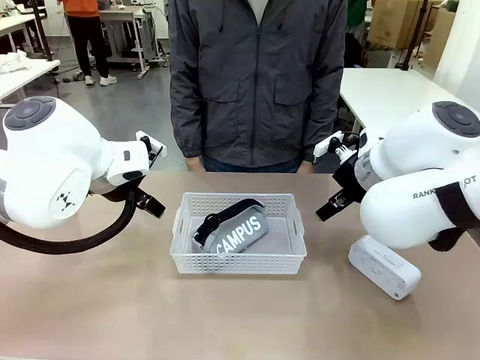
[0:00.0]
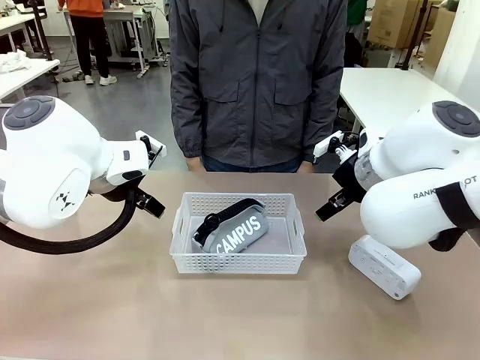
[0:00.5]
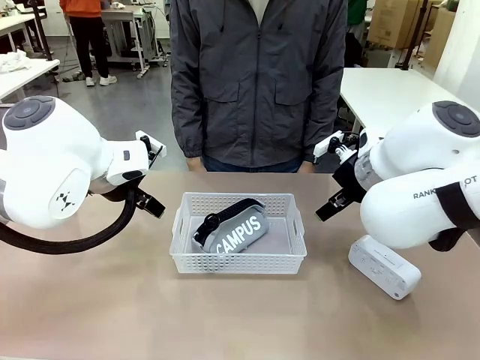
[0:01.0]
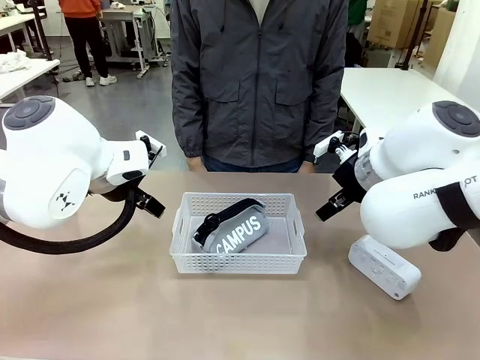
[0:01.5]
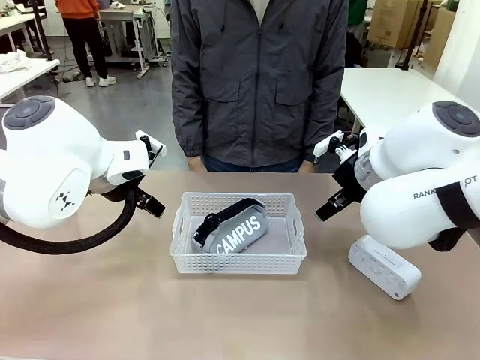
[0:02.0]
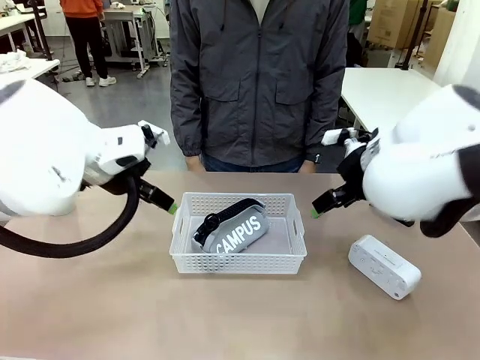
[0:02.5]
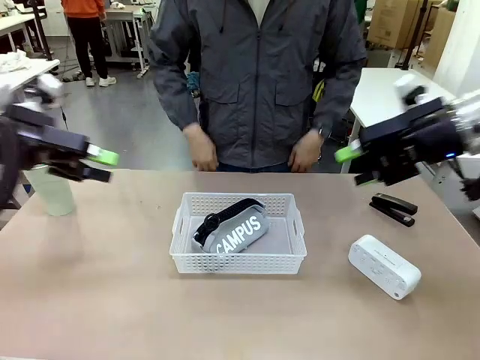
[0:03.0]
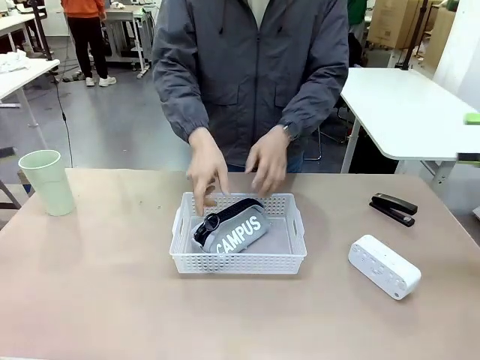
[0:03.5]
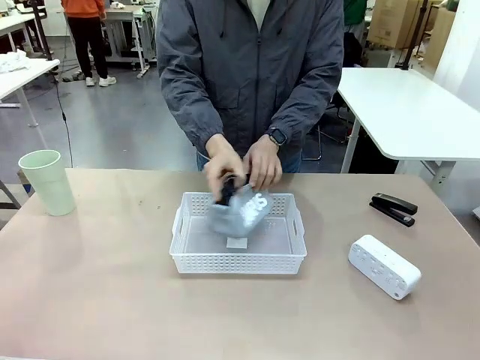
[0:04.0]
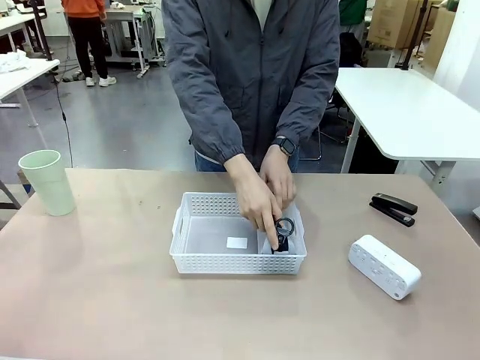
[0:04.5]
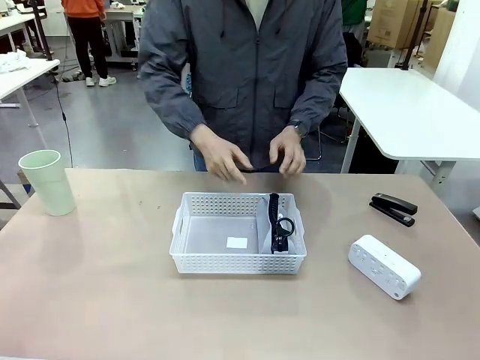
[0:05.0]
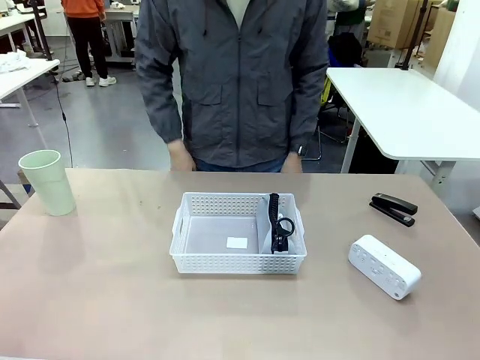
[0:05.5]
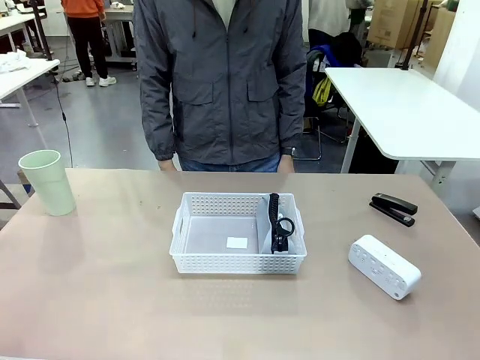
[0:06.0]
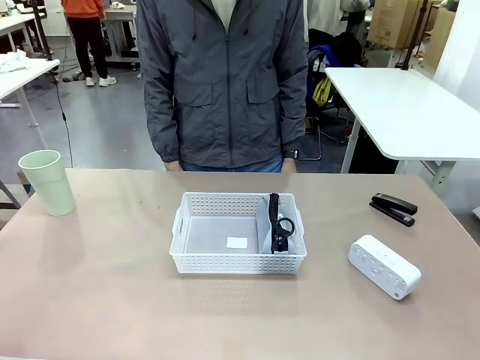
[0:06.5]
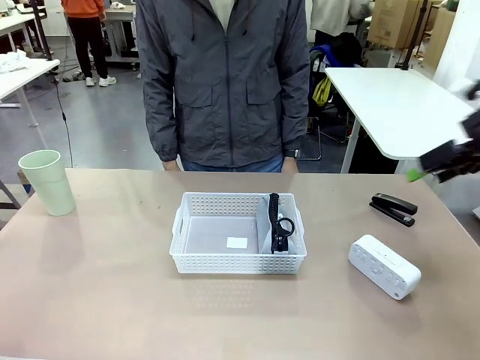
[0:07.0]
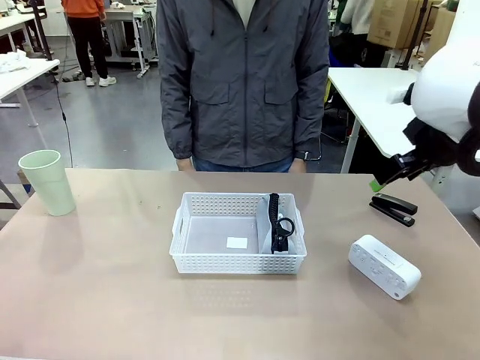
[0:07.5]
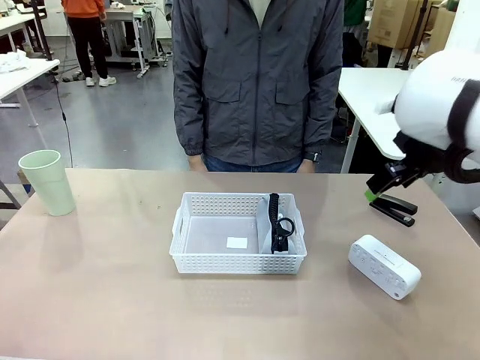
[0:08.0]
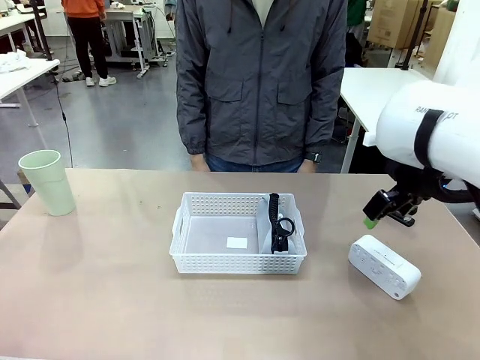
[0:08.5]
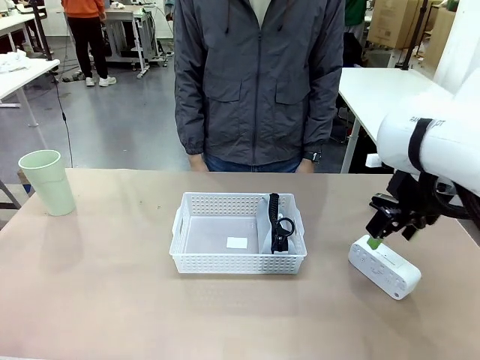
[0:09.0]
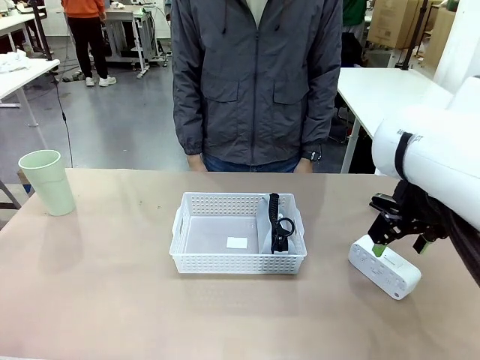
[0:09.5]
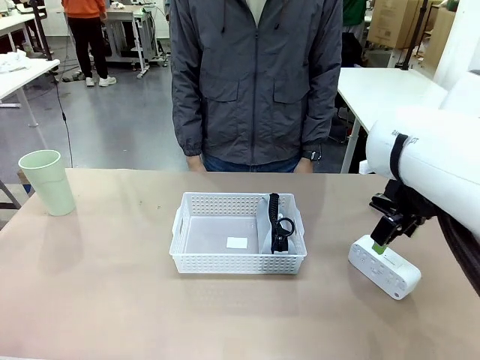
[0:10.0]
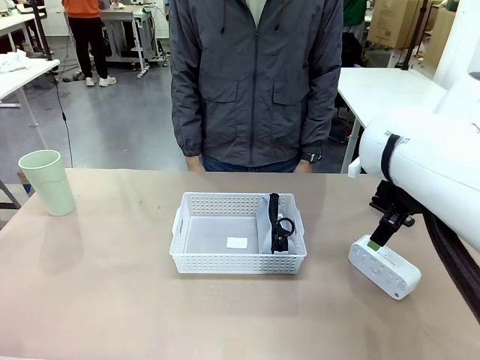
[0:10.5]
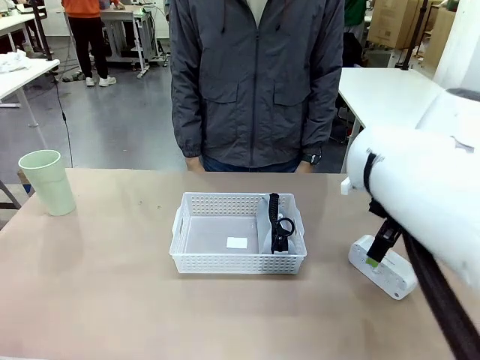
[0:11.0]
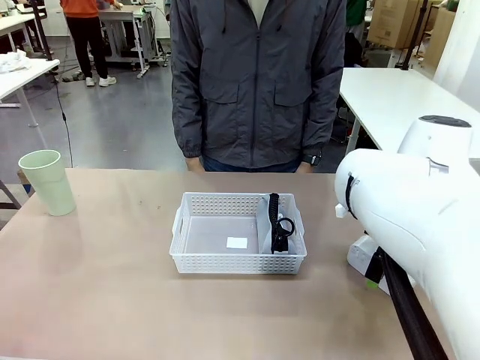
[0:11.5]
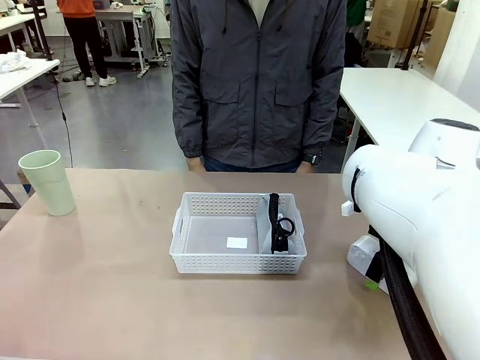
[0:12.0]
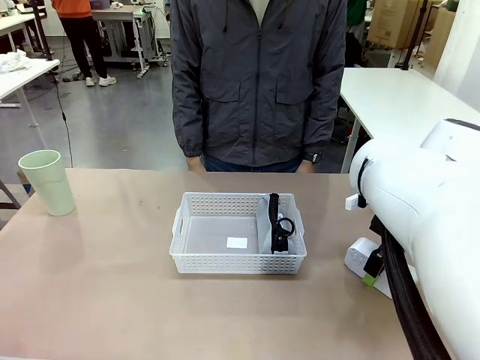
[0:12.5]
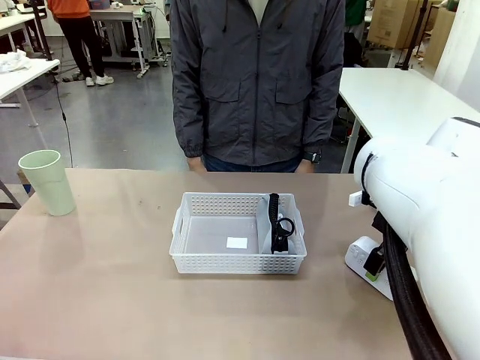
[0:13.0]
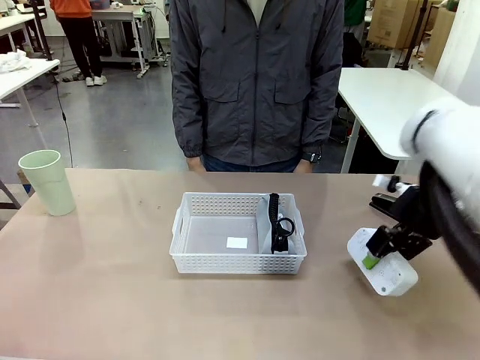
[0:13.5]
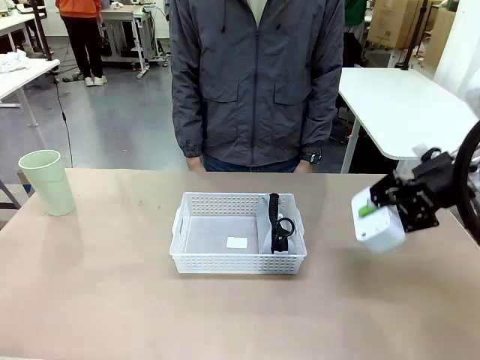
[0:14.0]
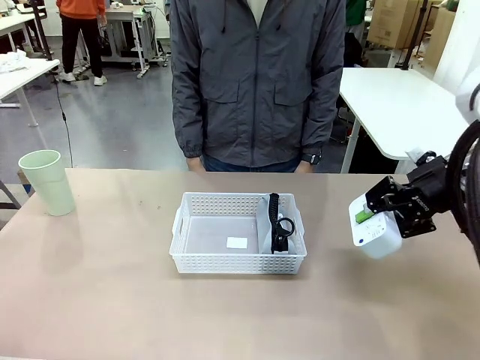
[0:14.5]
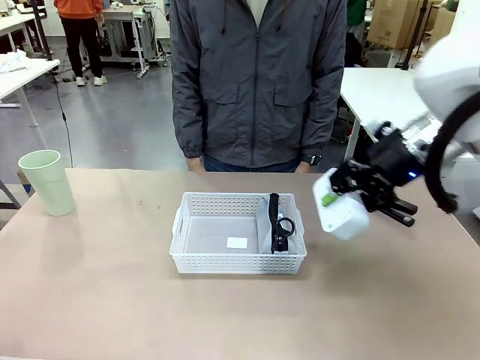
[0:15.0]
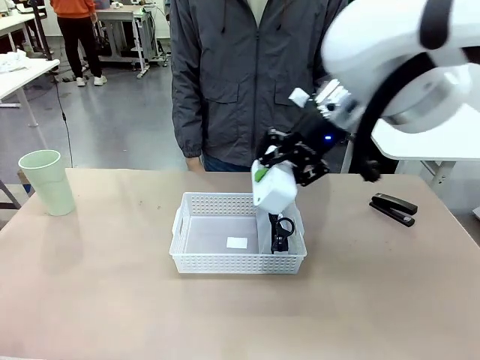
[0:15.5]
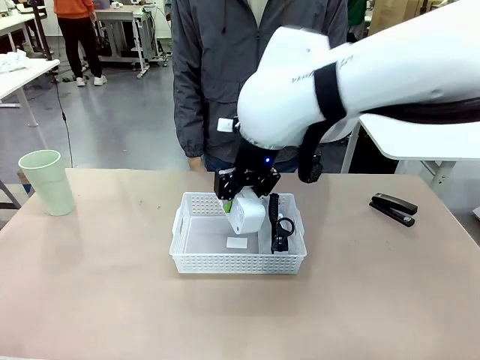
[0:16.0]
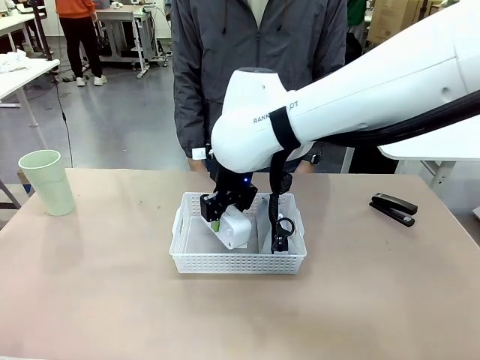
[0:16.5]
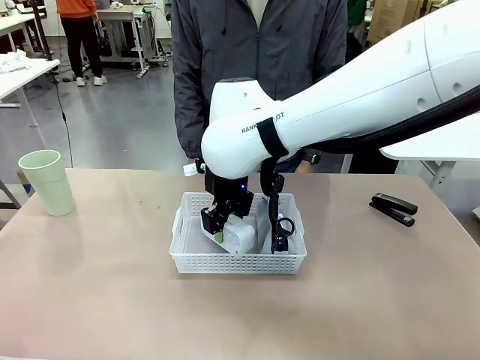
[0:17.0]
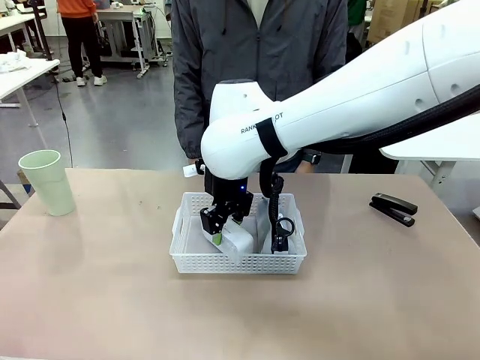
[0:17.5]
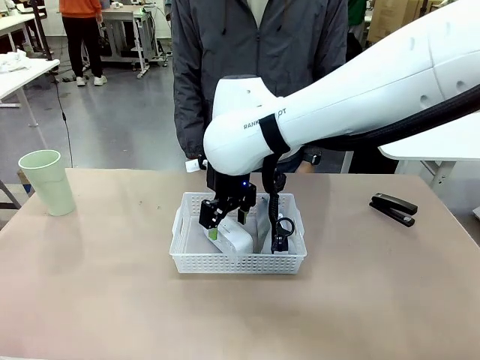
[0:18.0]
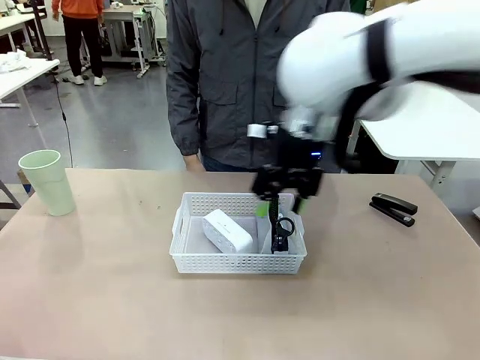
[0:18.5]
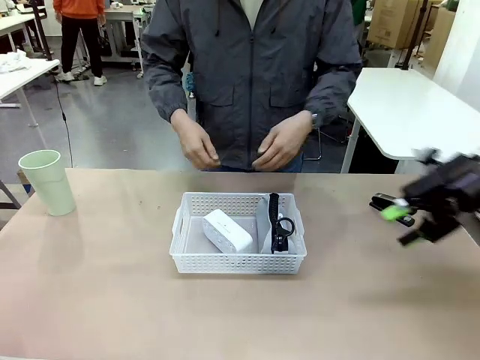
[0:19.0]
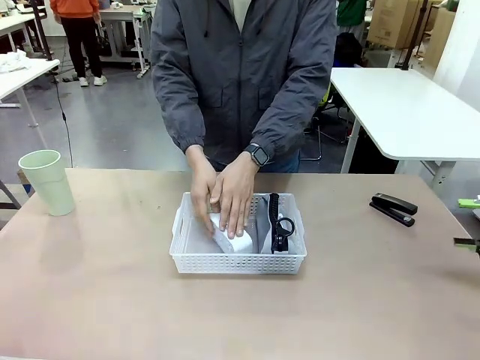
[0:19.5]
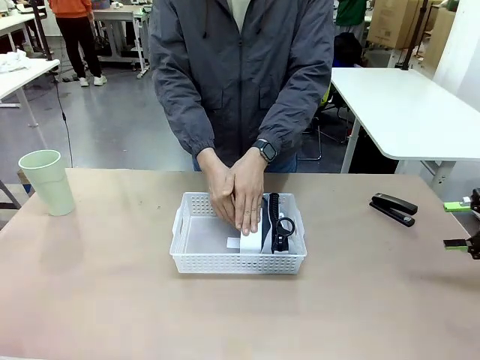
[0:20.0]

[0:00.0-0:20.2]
Task: Efficiently arrange items inside the basket to fit them all.
Robot: Pick up the Digital clock and place it inside the Organizing basket.
Person: Repositions the pencil case. Repositions the digital clock.
